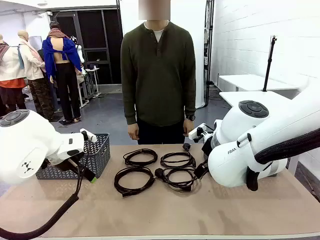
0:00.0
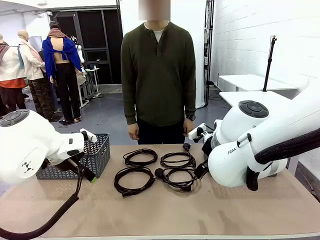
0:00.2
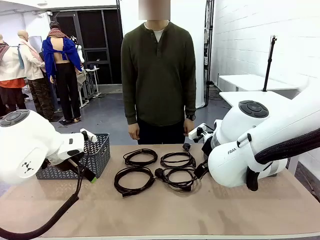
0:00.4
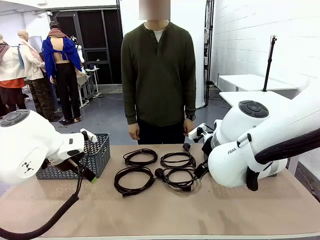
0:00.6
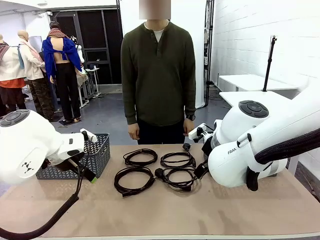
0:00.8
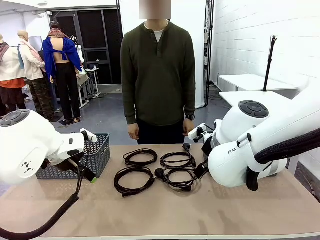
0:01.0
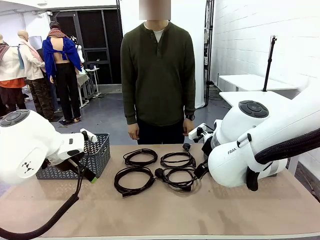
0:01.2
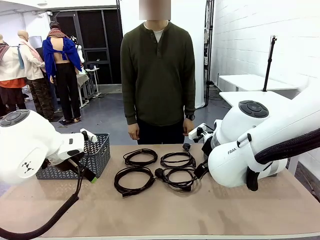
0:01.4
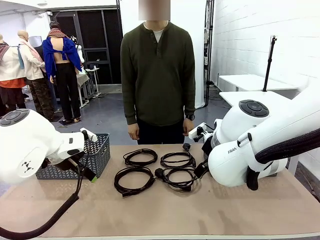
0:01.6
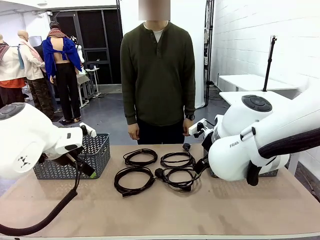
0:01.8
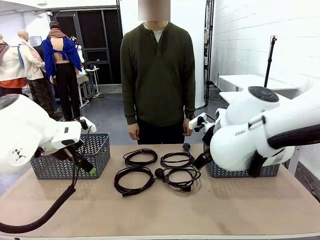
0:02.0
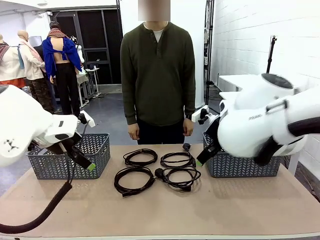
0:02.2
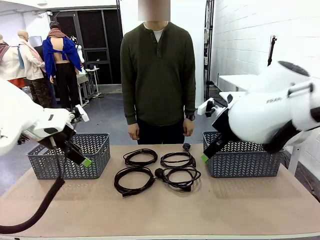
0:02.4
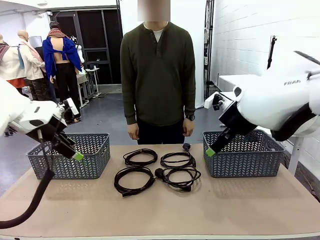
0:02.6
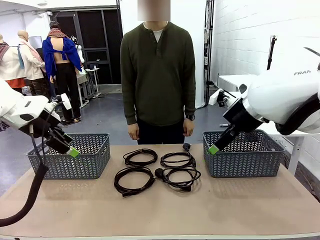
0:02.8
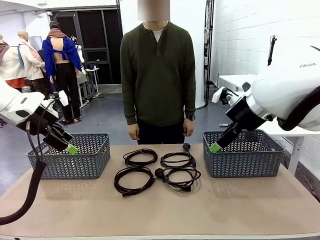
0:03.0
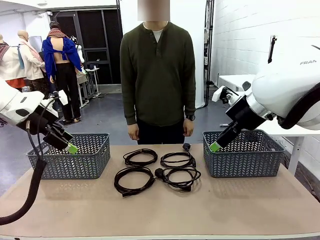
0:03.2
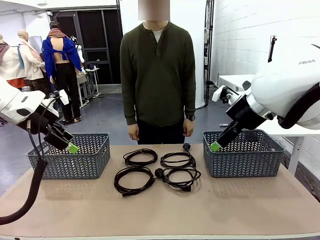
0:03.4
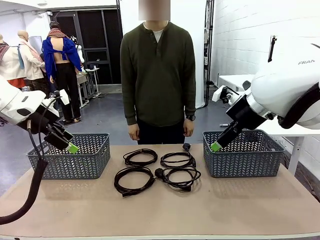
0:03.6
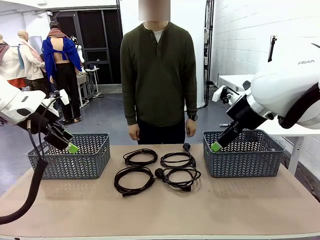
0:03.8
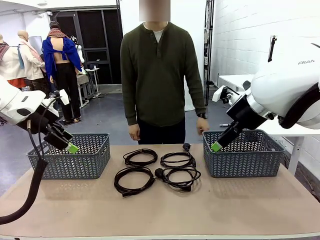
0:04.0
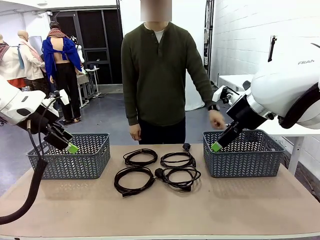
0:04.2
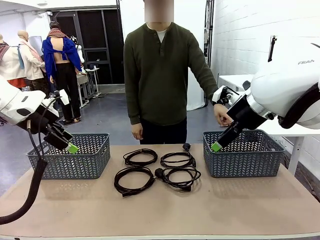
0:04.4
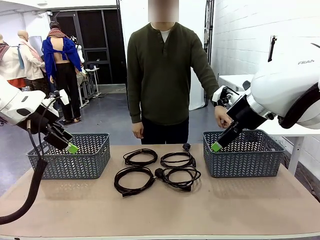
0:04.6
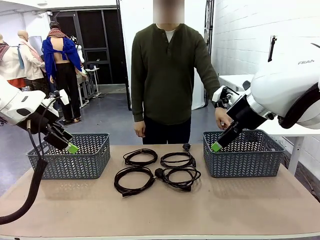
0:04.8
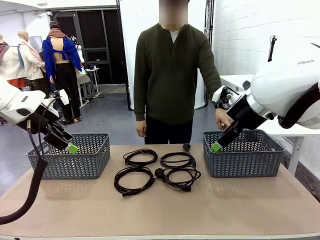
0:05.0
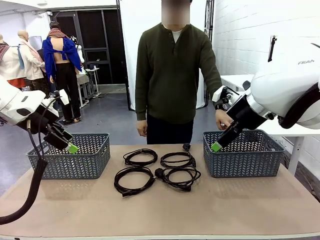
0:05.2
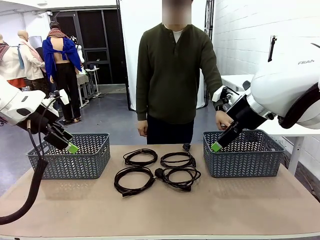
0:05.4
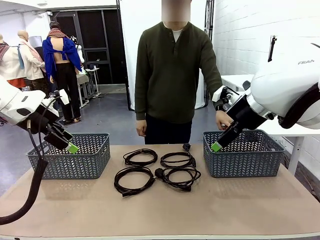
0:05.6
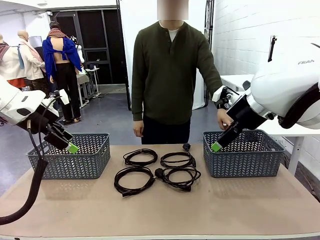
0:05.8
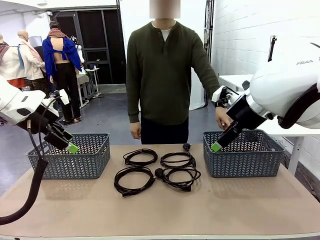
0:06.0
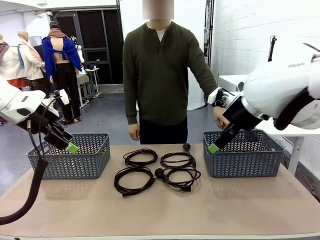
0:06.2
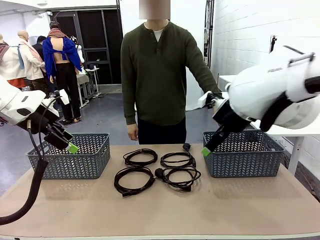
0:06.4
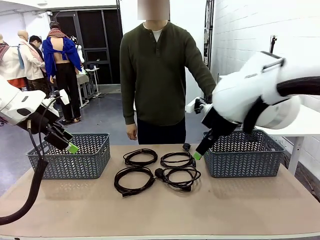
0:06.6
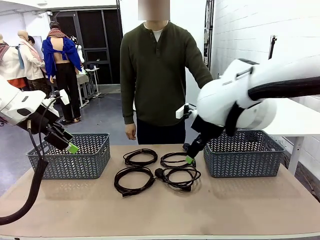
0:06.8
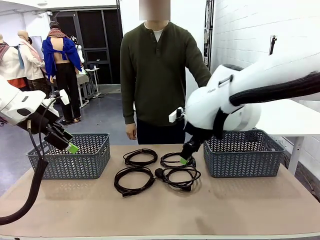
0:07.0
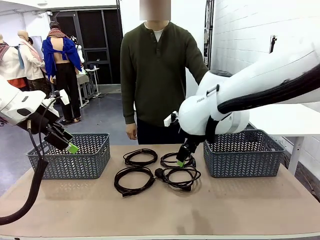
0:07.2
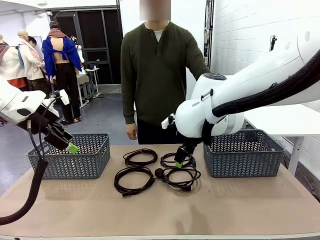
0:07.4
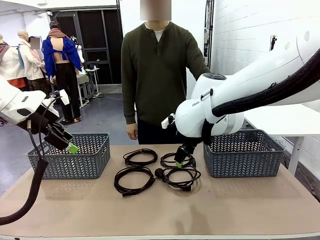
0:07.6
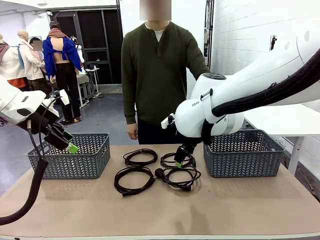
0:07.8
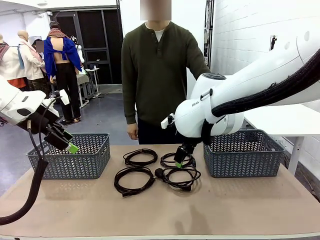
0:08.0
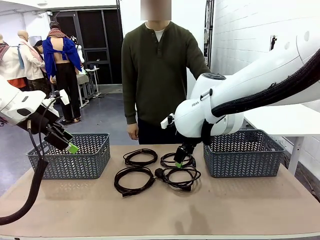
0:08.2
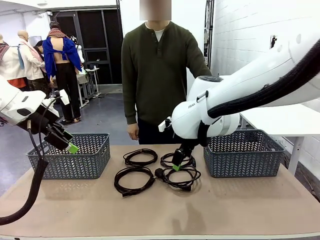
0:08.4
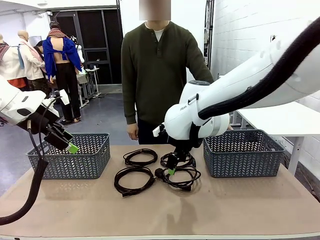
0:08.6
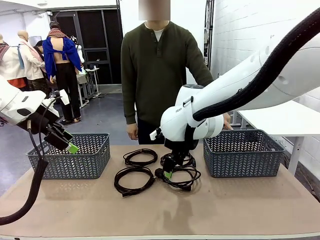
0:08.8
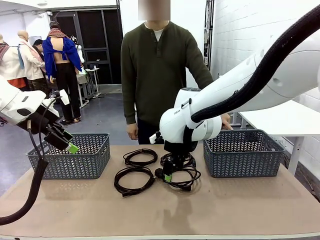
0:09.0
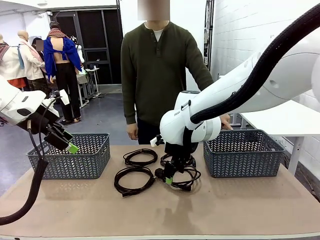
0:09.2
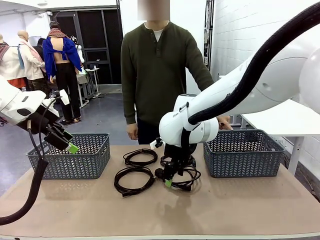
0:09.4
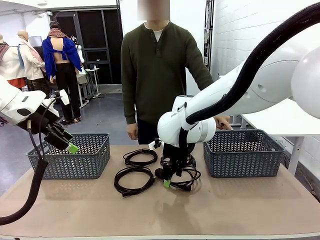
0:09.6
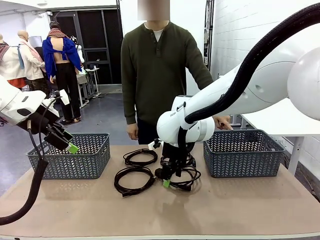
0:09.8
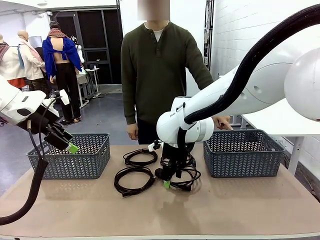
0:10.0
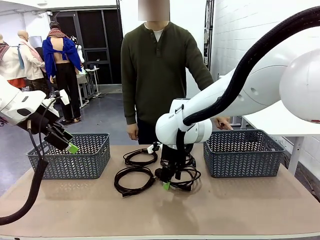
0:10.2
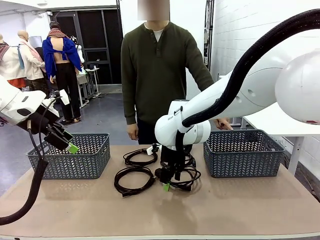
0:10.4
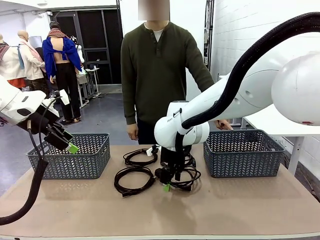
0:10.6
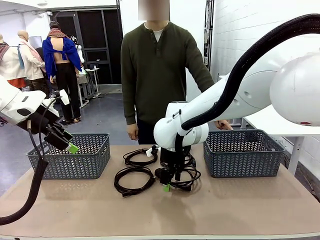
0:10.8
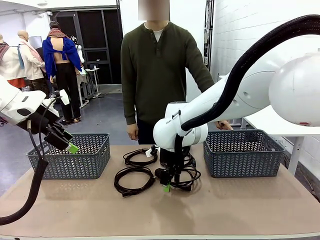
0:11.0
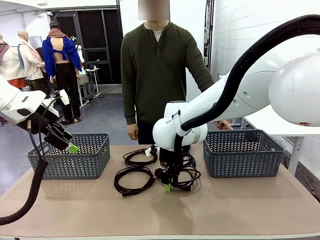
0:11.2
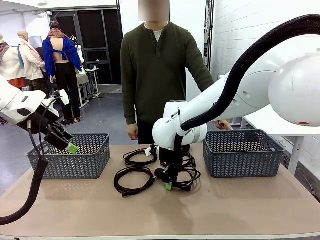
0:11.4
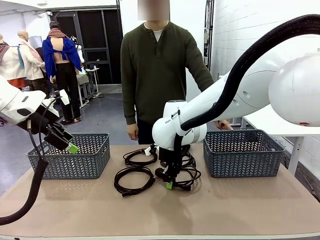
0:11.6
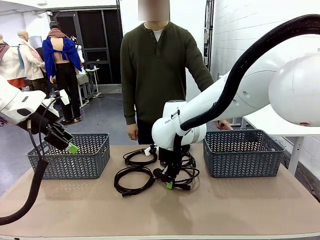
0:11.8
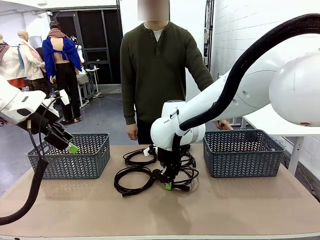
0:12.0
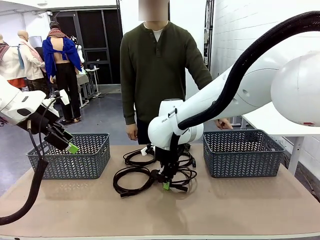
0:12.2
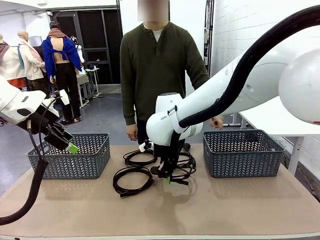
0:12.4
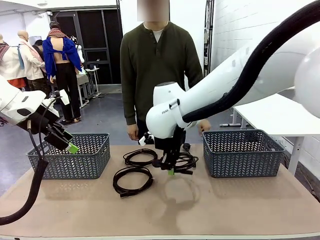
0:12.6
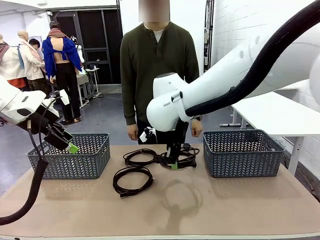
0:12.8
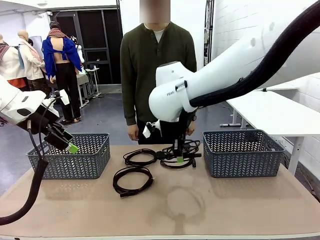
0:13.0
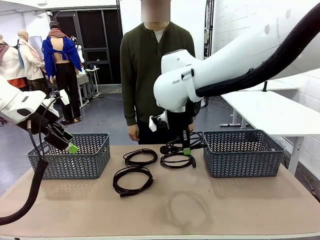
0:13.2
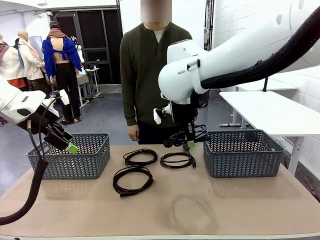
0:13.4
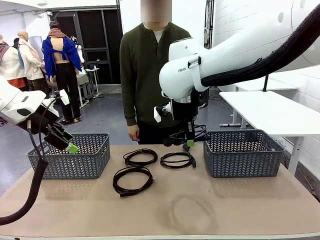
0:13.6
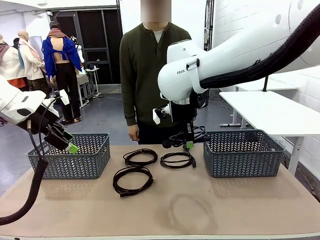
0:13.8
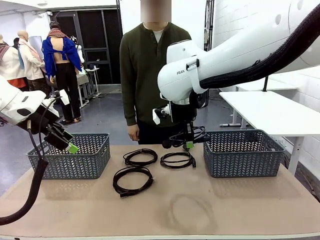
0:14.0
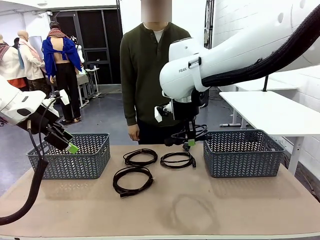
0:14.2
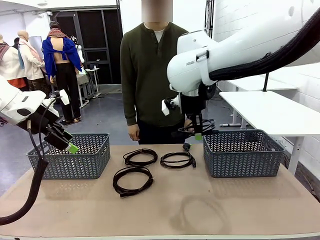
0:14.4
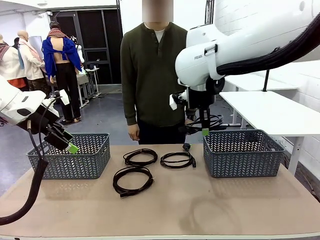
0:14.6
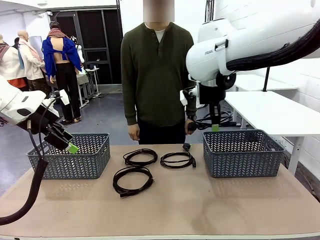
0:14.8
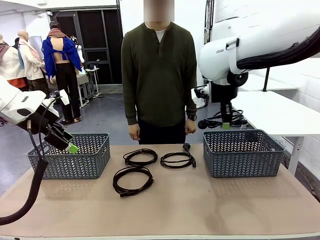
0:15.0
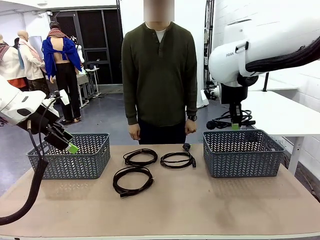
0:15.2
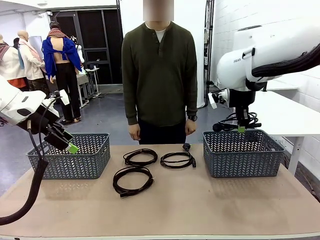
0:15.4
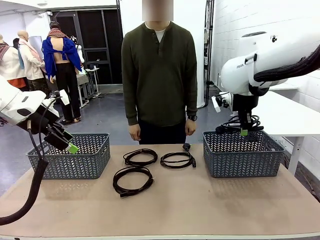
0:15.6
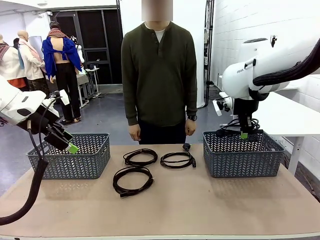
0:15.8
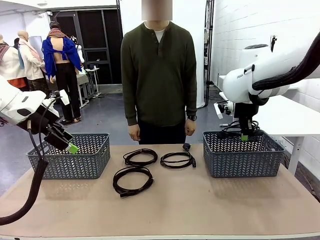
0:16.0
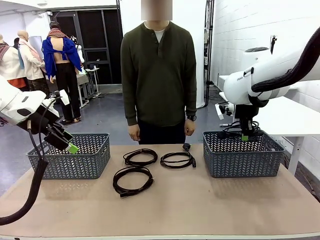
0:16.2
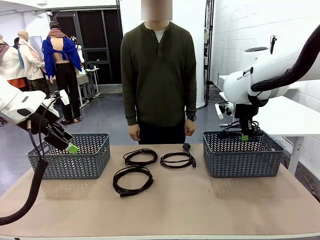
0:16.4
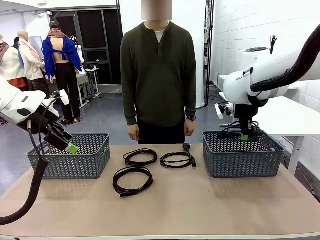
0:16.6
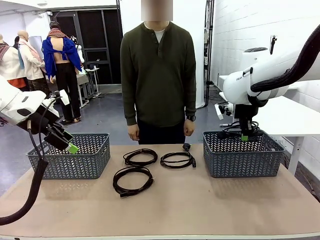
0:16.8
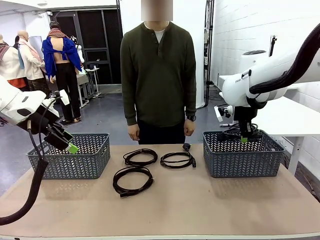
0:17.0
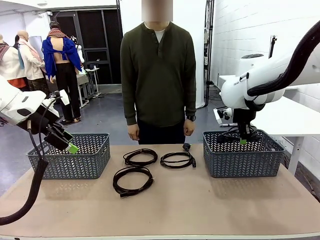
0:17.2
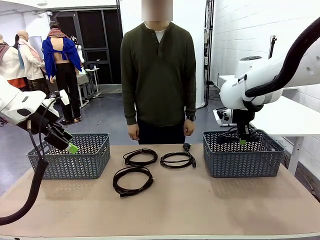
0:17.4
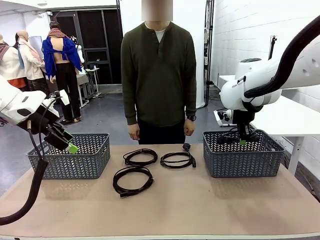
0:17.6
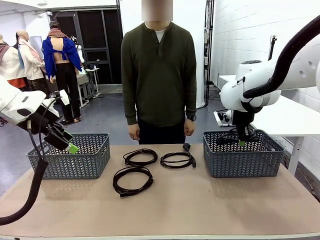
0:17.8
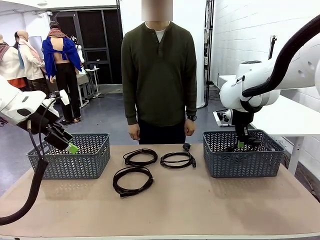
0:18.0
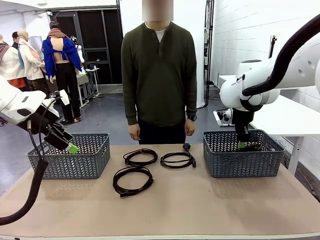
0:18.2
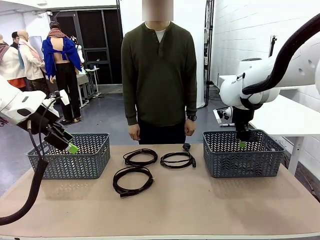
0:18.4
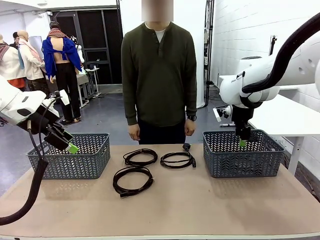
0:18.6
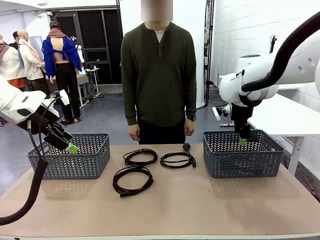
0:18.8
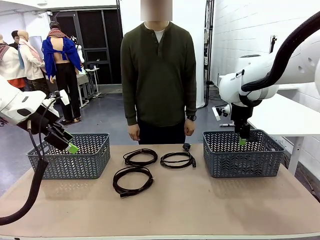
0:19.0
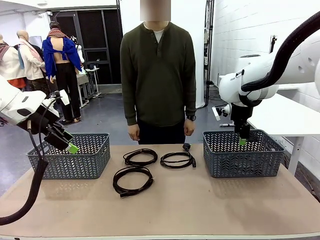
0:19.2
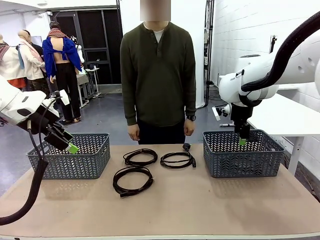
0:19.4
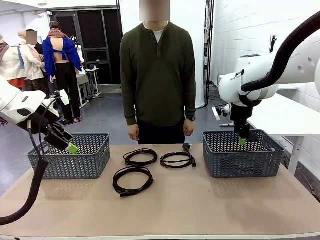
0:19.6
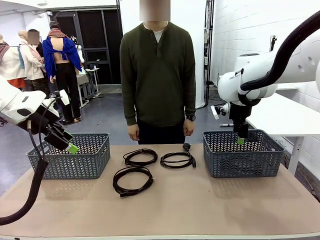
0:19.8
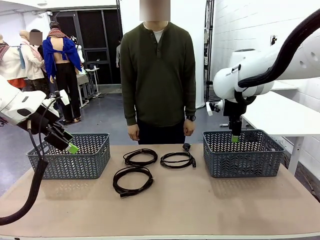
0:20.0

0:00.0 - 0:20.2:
Task: Organize the cables according to human instructions.
Robot: Pick up a bundle of cables and place it in the basket indicated by the human.
